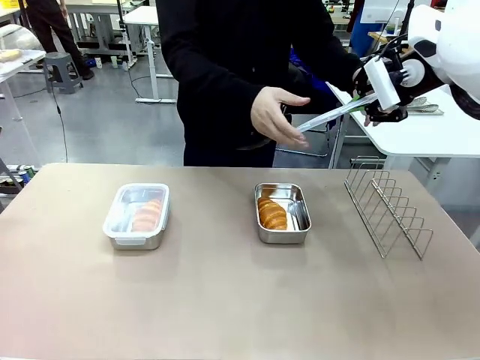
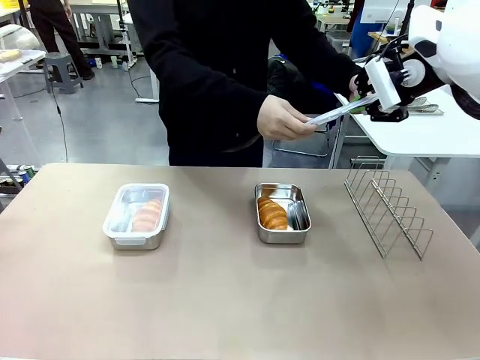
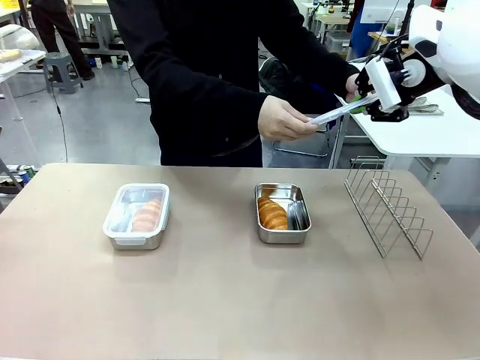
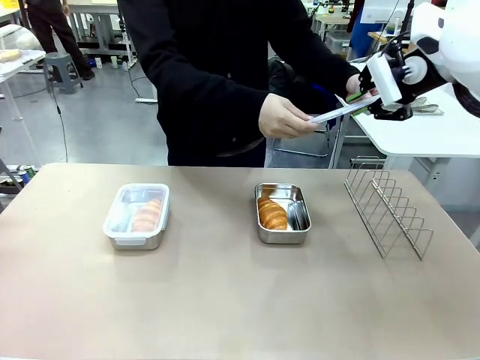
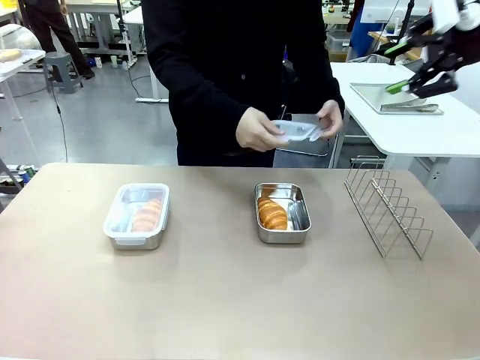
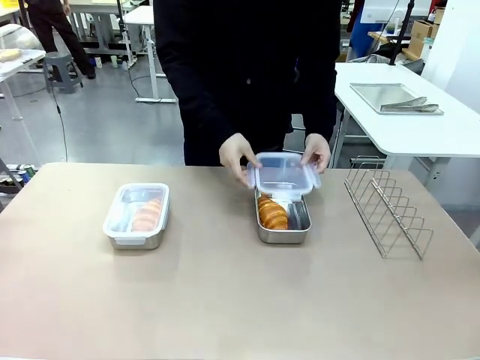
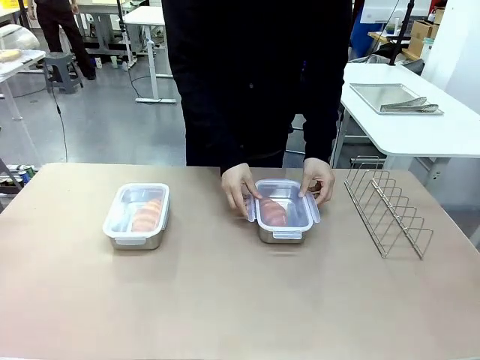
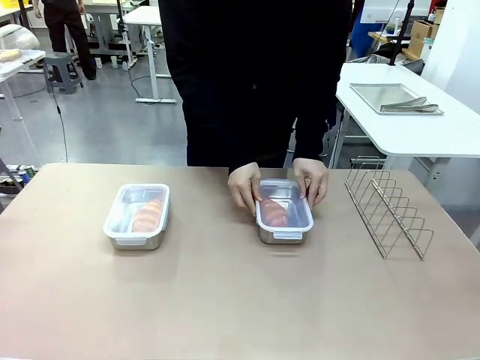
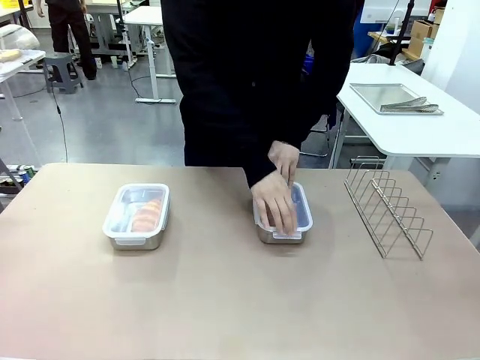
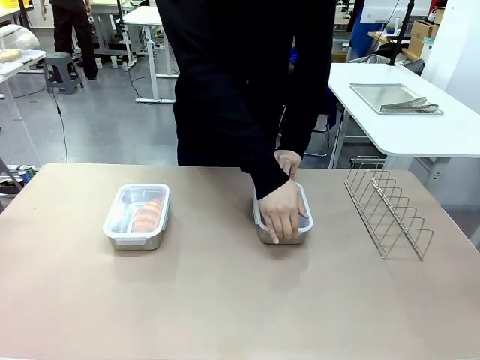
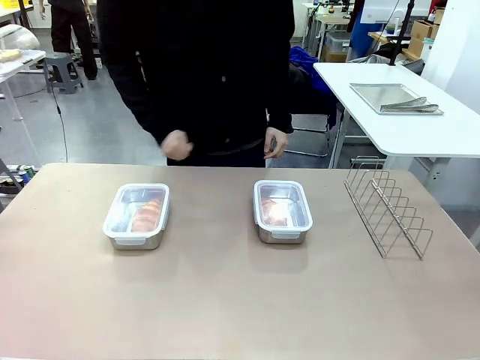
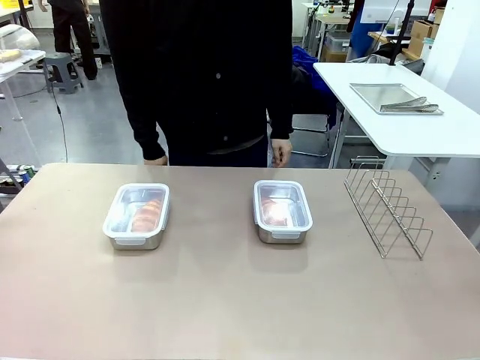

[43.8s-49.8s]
Task: Place the bread in airtight containers.
Robot: Release when the human grabs the Airtight Container lid.
Person: Close Airtight Container with a handed Airtight Container lid.

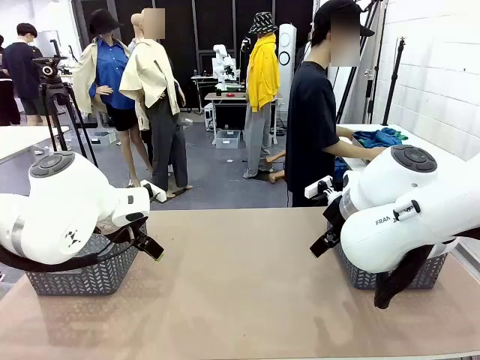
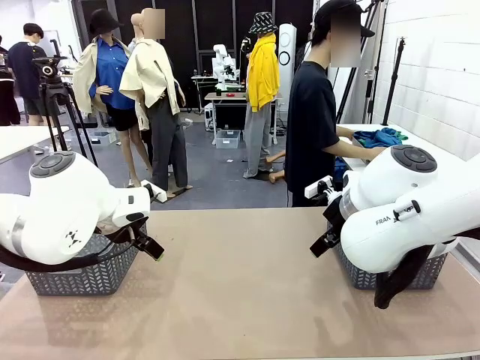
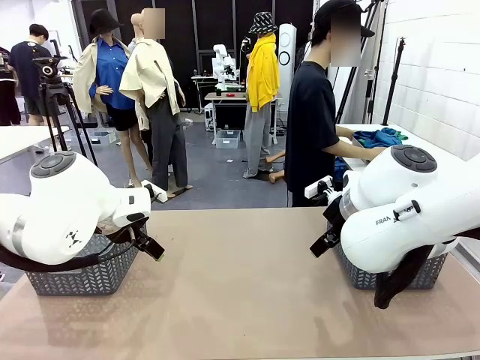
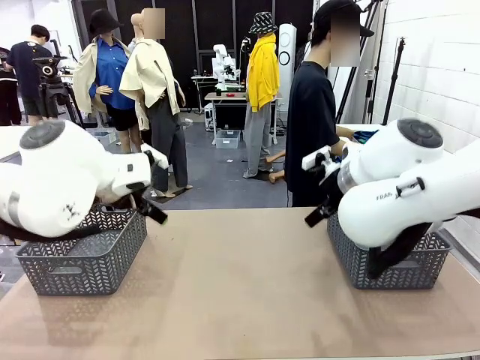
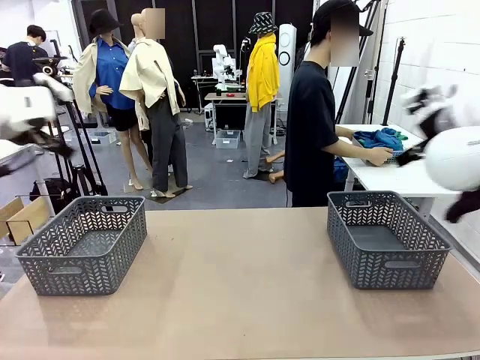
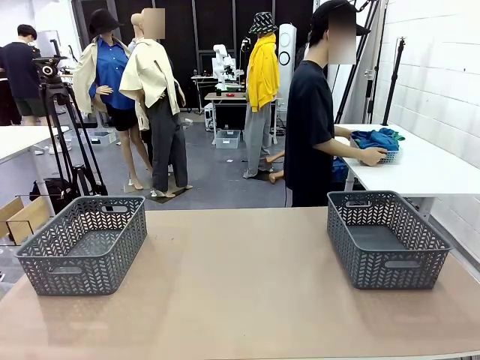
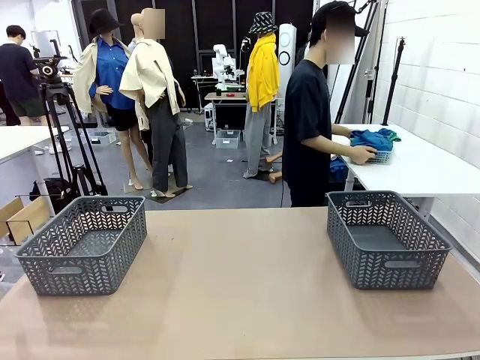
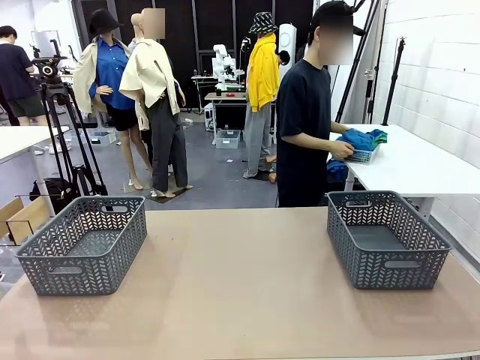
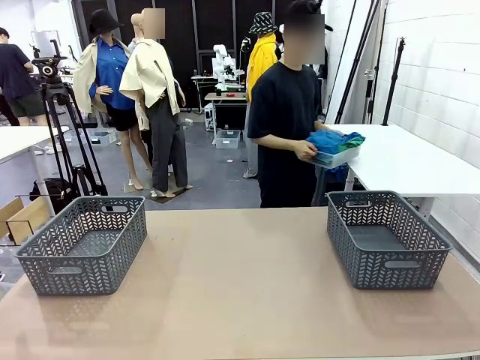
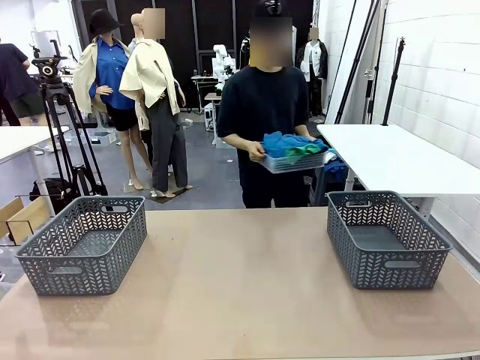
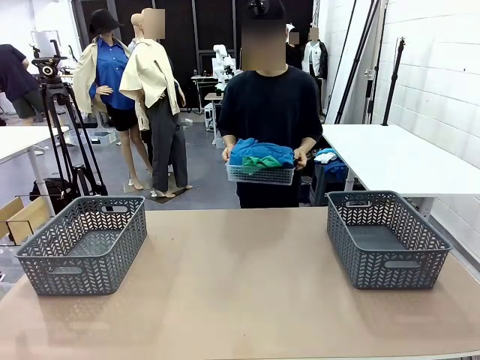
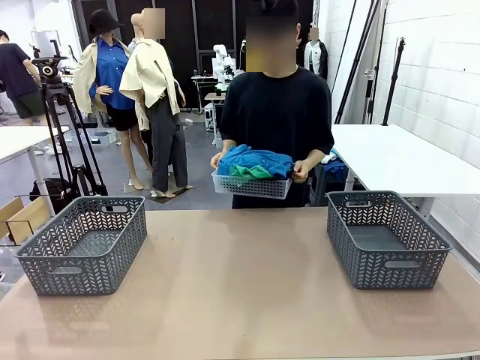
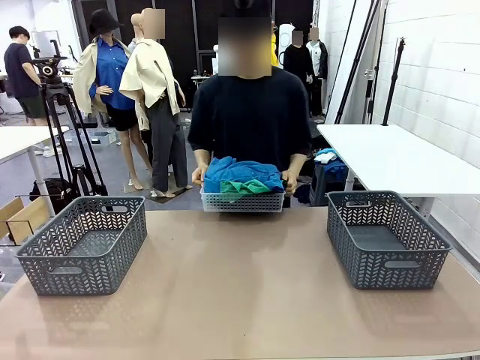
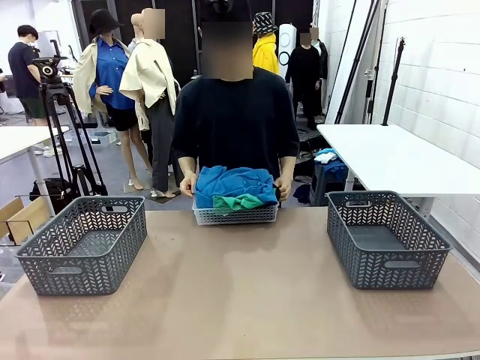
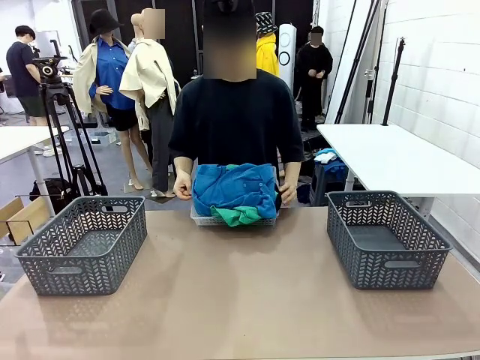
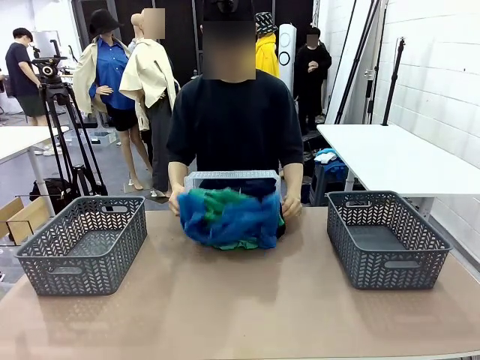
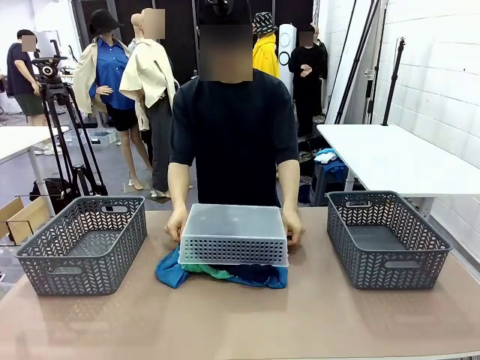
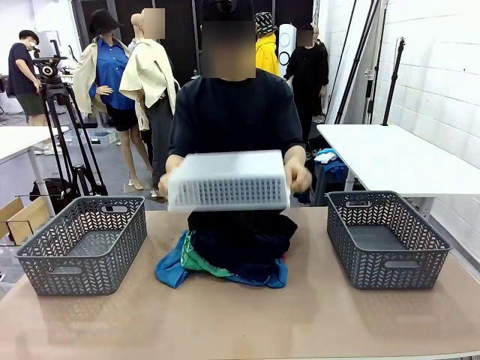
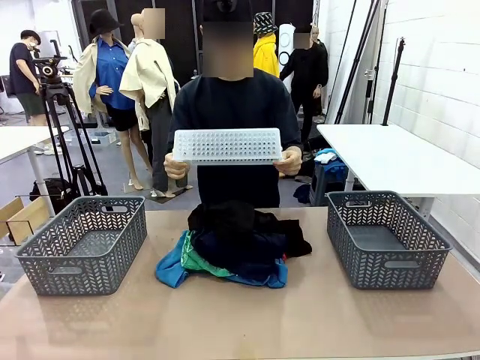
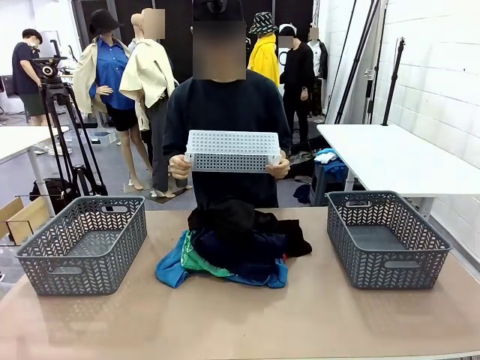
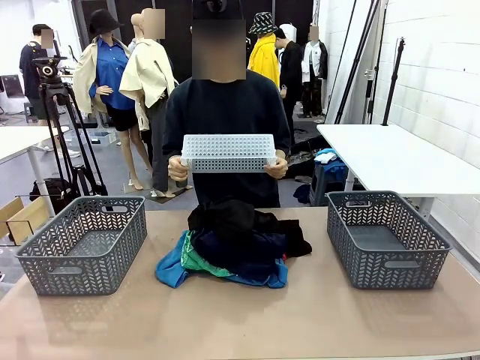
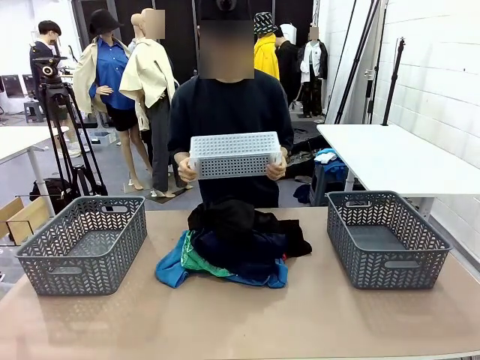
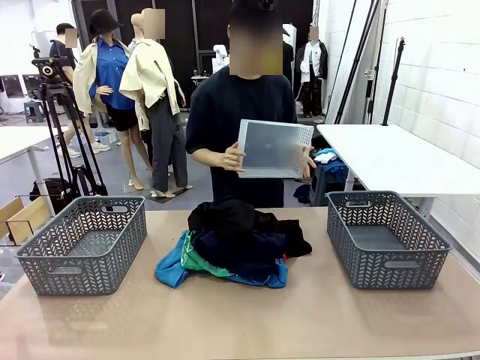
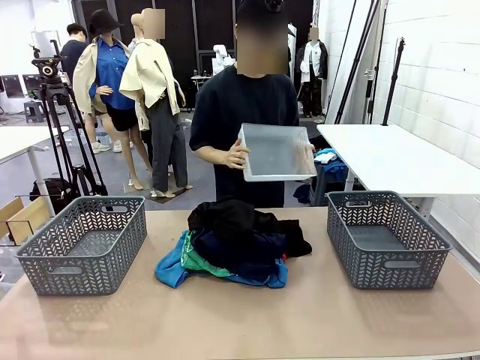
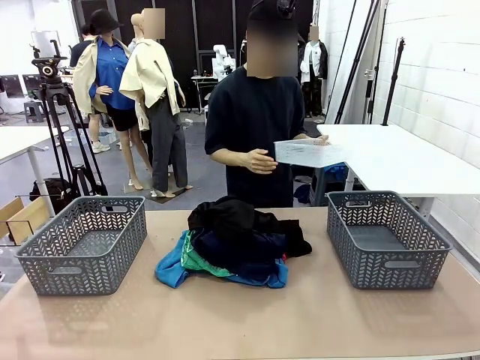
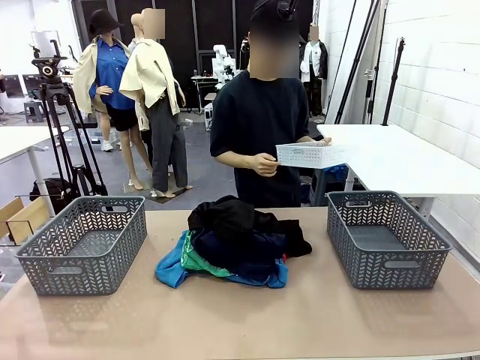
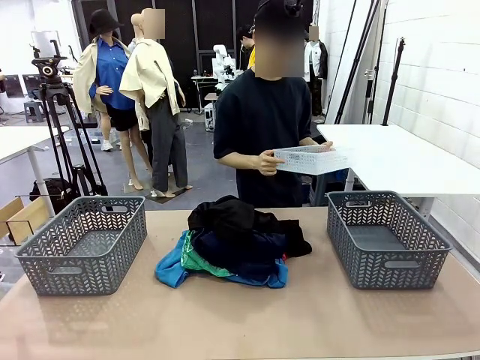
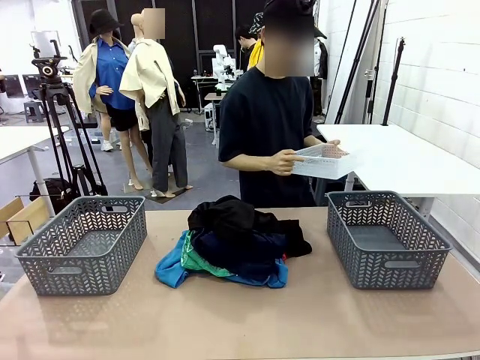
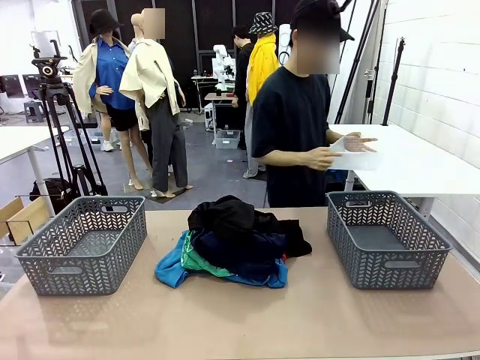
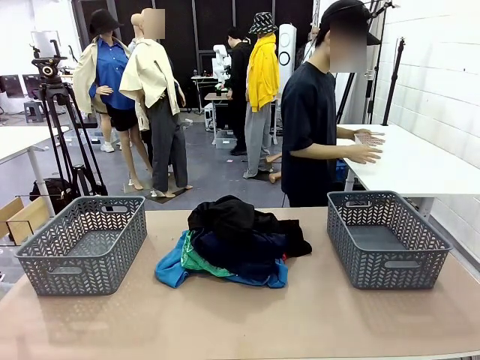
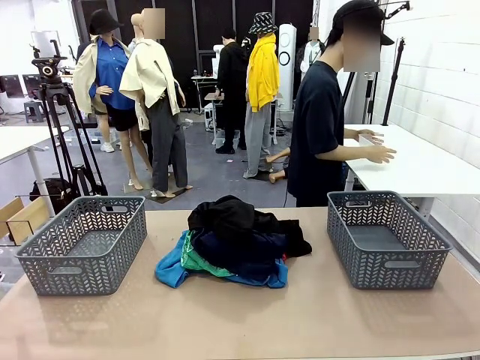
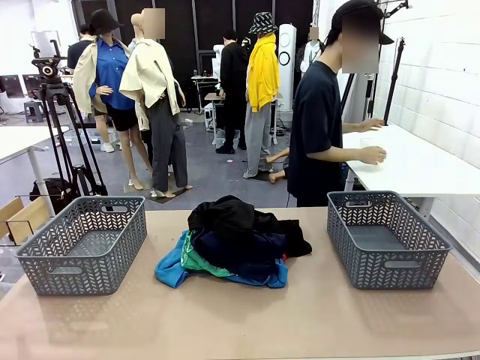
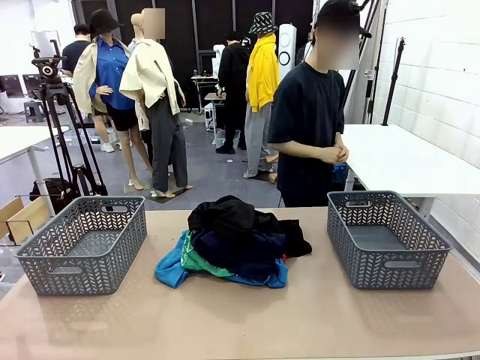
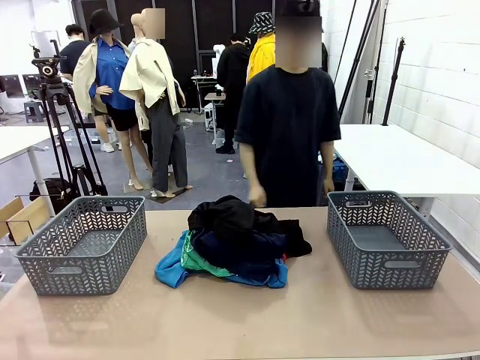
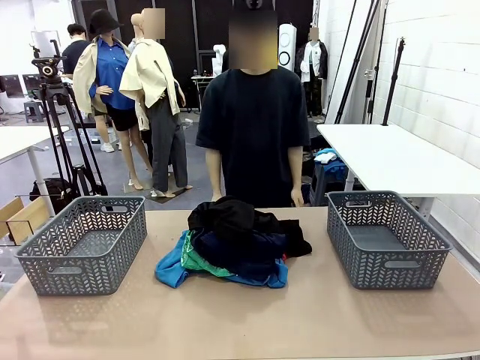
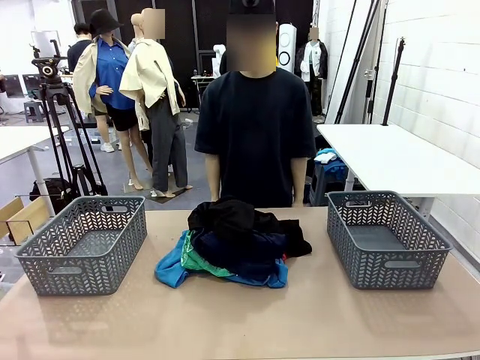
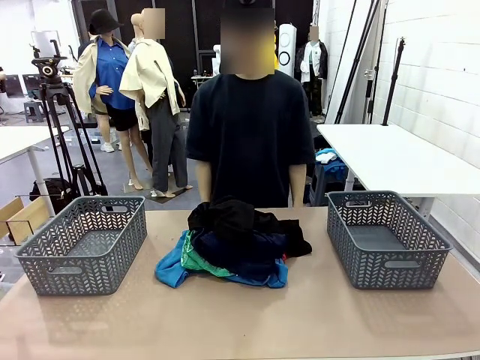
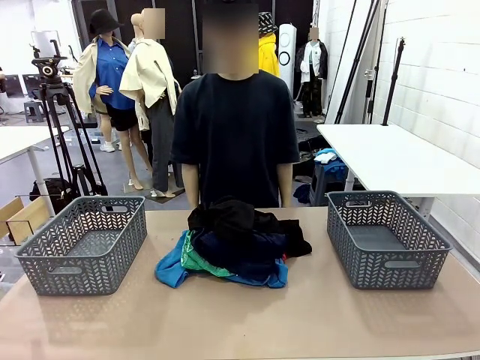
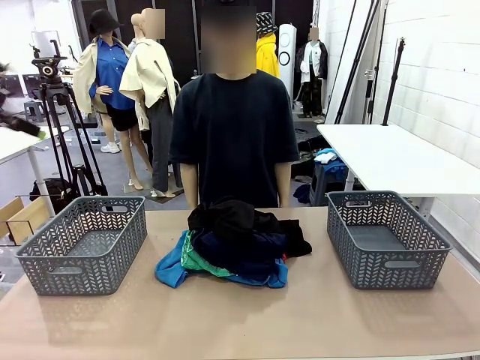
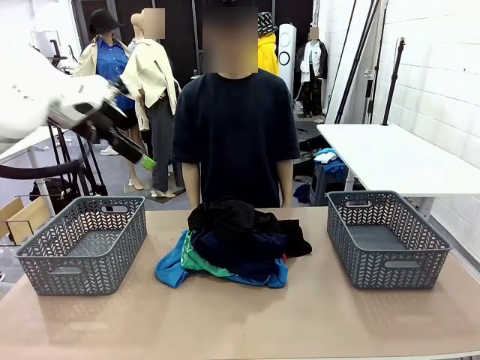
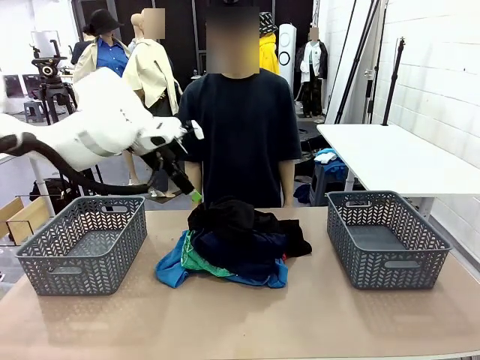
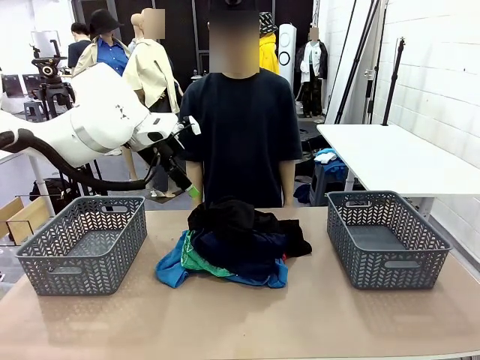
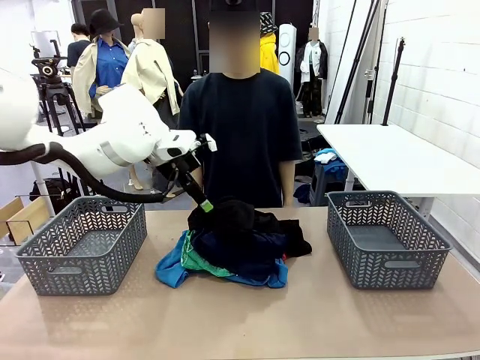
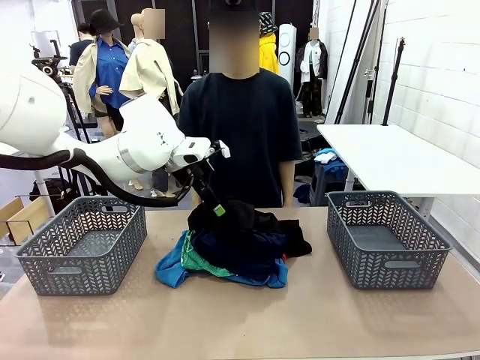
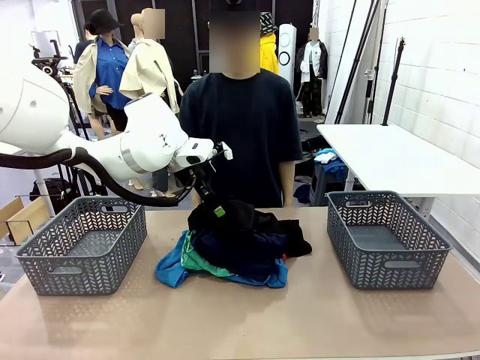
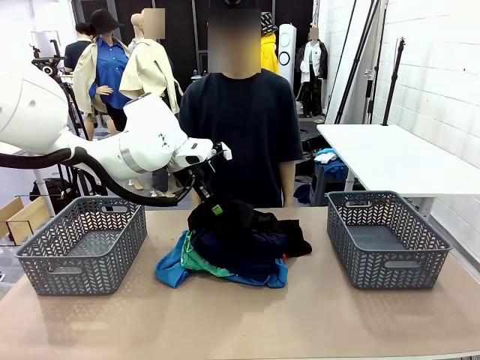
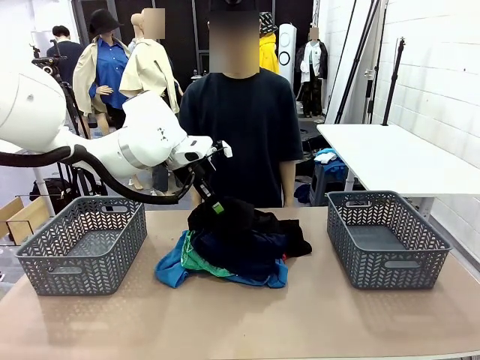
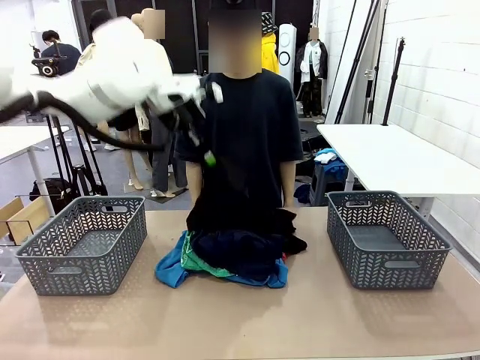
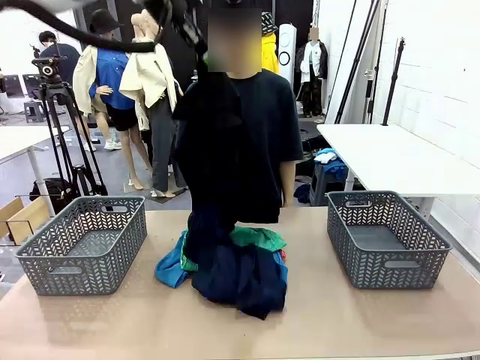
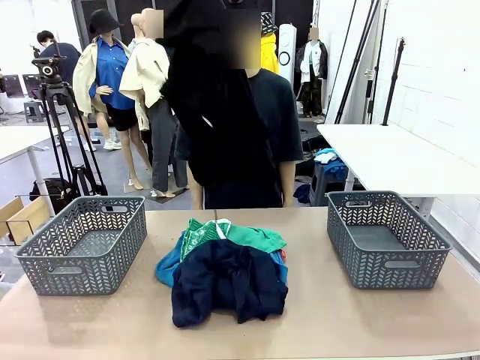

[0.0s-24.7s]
Task: Sort the tops and bottoms.
Robot: Lift clothes from the center of the table with your left hand.
Person: Pour the clothes from the basket onto the center of the robot table.
